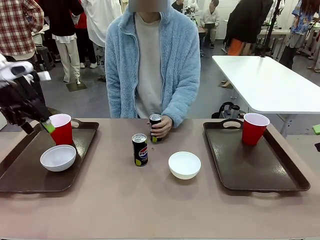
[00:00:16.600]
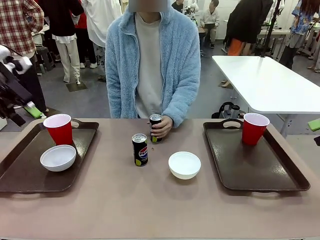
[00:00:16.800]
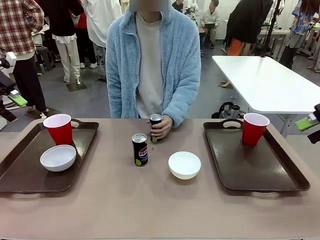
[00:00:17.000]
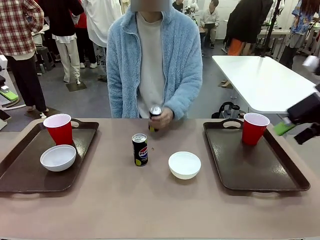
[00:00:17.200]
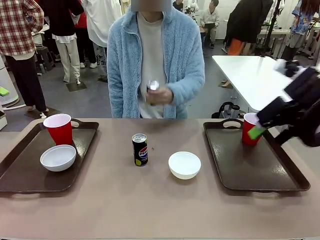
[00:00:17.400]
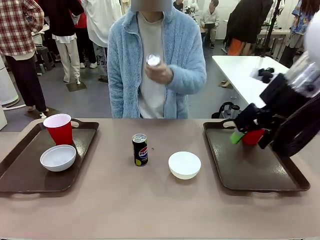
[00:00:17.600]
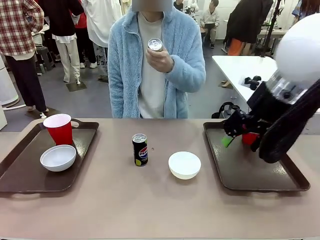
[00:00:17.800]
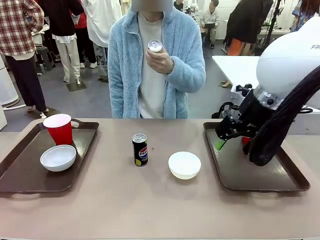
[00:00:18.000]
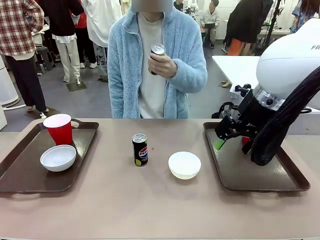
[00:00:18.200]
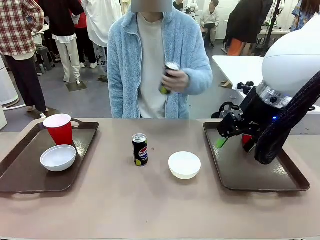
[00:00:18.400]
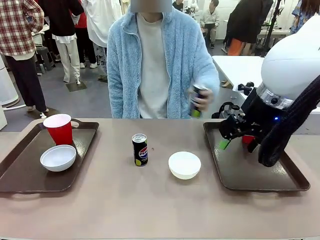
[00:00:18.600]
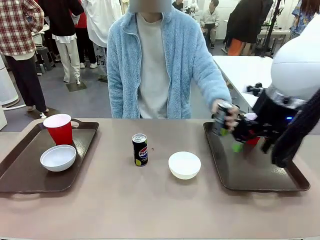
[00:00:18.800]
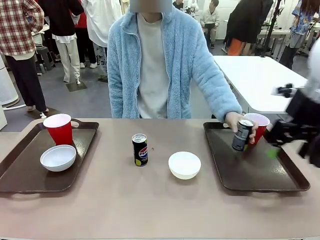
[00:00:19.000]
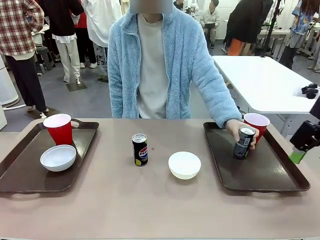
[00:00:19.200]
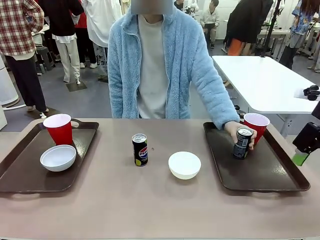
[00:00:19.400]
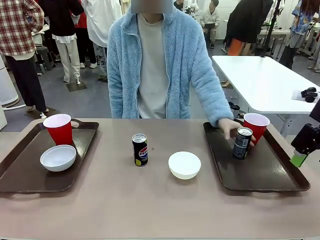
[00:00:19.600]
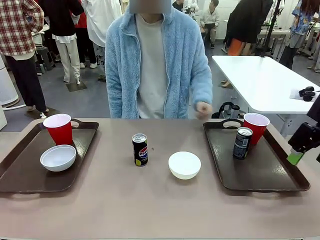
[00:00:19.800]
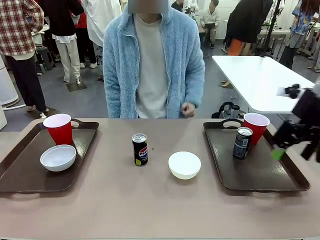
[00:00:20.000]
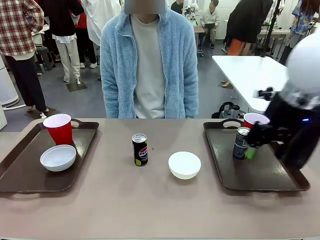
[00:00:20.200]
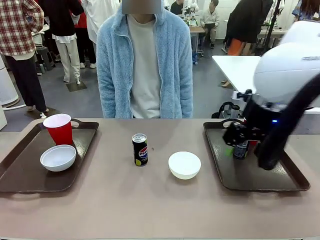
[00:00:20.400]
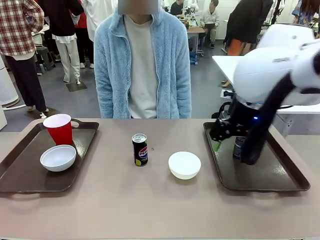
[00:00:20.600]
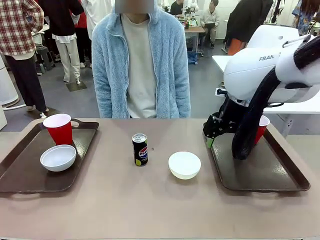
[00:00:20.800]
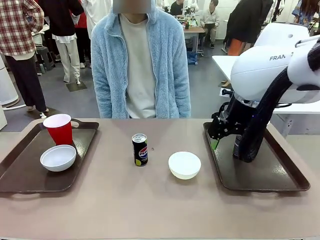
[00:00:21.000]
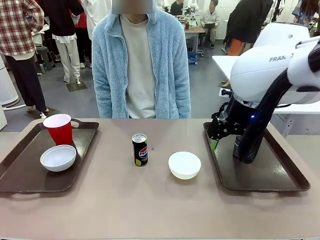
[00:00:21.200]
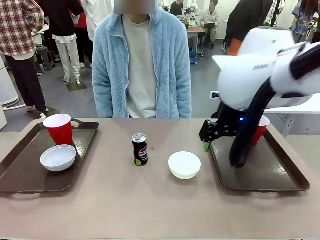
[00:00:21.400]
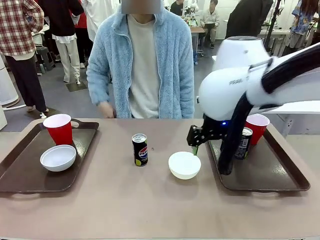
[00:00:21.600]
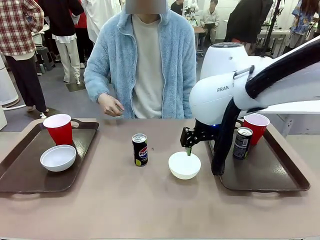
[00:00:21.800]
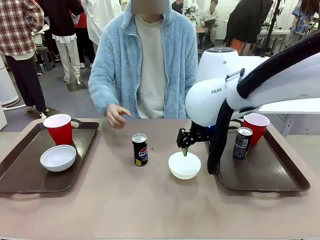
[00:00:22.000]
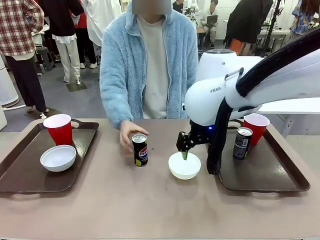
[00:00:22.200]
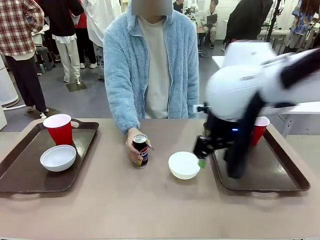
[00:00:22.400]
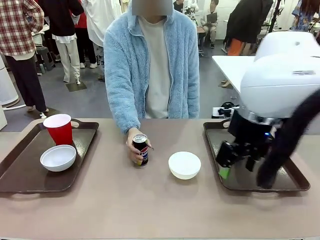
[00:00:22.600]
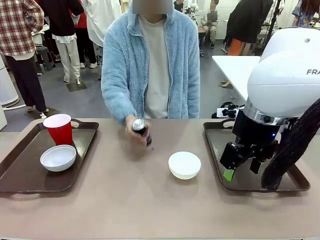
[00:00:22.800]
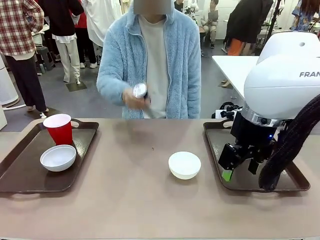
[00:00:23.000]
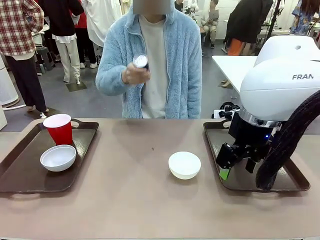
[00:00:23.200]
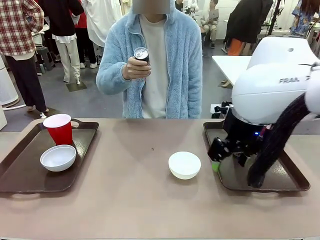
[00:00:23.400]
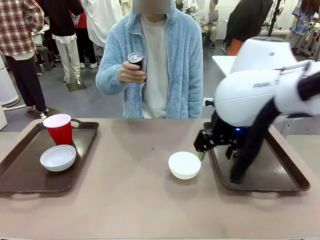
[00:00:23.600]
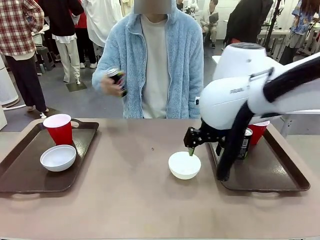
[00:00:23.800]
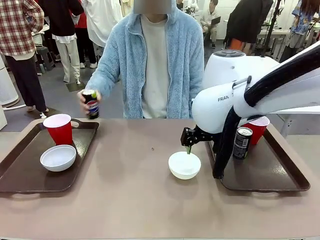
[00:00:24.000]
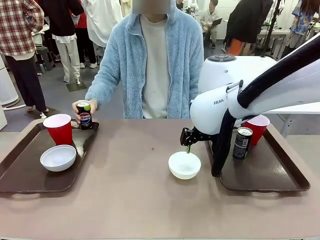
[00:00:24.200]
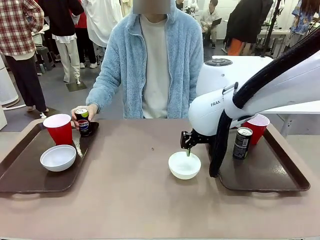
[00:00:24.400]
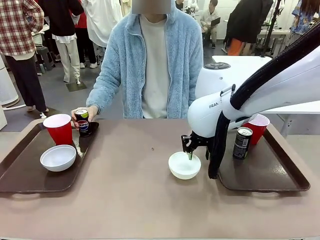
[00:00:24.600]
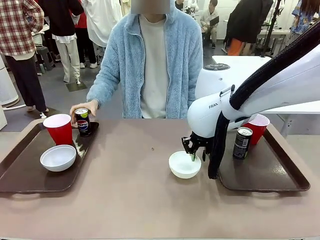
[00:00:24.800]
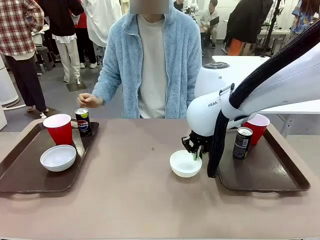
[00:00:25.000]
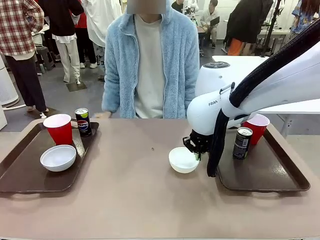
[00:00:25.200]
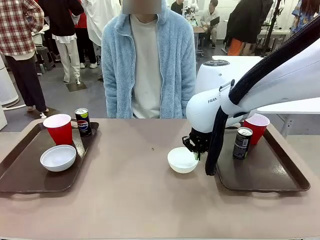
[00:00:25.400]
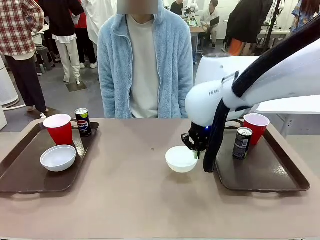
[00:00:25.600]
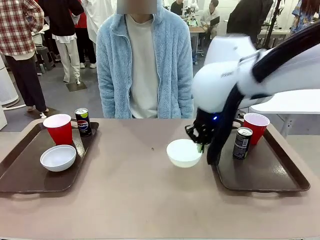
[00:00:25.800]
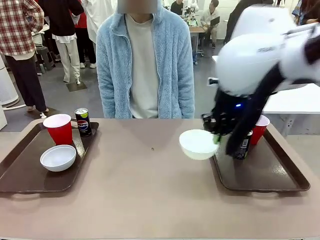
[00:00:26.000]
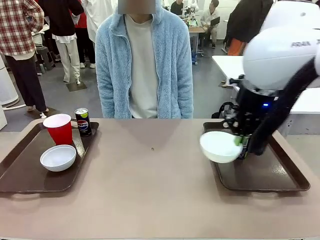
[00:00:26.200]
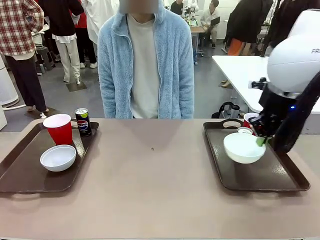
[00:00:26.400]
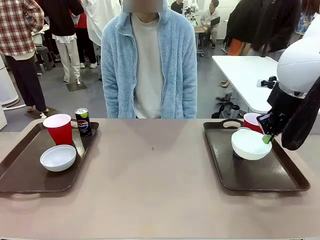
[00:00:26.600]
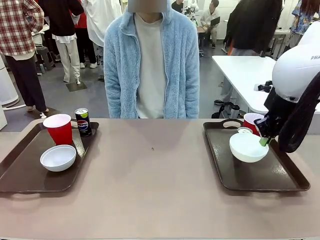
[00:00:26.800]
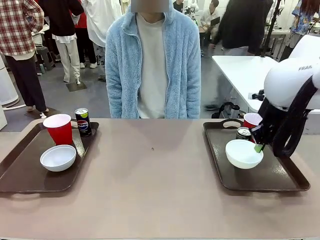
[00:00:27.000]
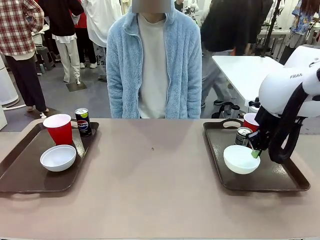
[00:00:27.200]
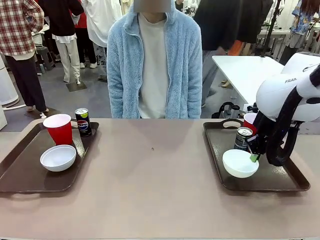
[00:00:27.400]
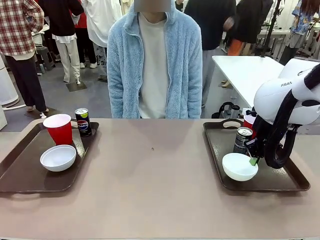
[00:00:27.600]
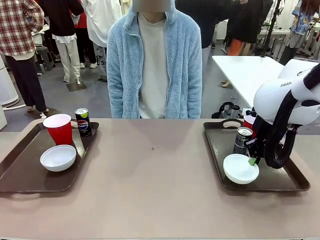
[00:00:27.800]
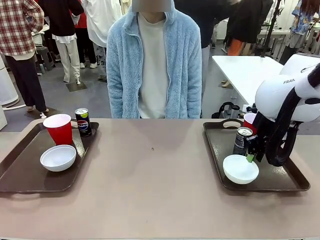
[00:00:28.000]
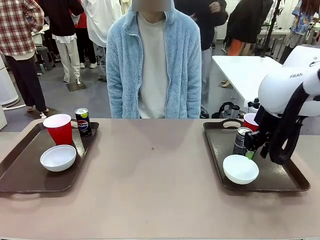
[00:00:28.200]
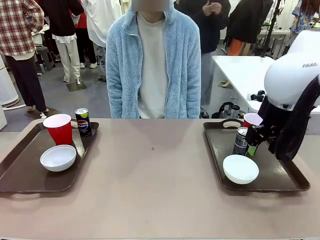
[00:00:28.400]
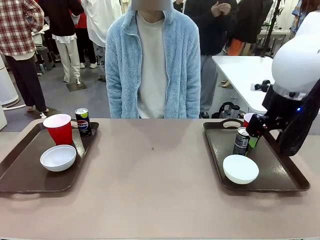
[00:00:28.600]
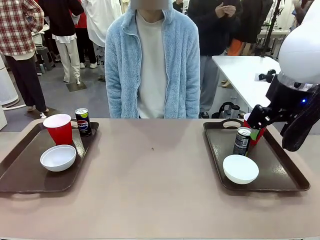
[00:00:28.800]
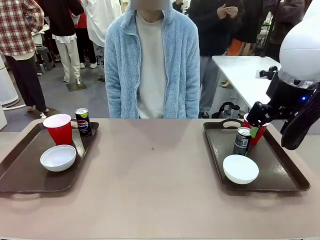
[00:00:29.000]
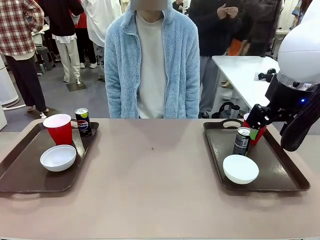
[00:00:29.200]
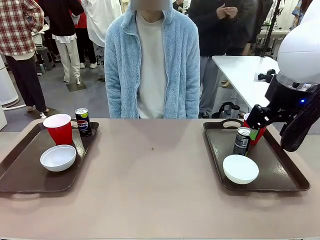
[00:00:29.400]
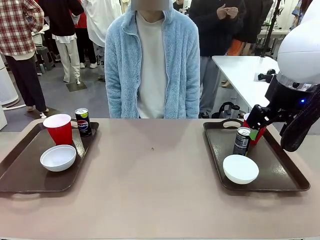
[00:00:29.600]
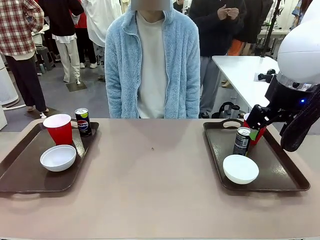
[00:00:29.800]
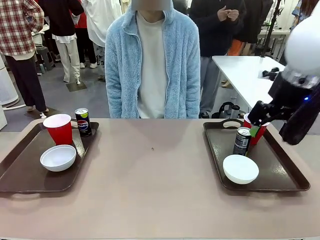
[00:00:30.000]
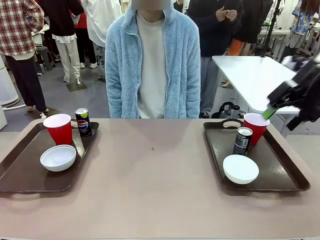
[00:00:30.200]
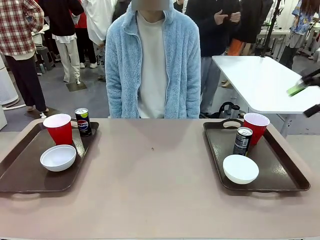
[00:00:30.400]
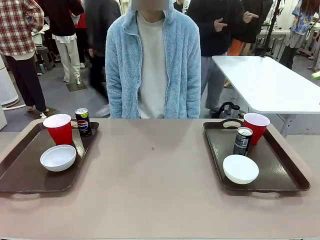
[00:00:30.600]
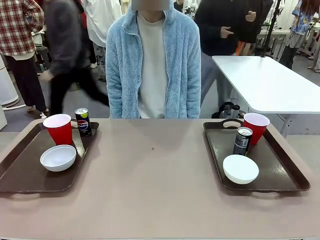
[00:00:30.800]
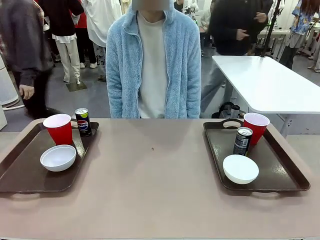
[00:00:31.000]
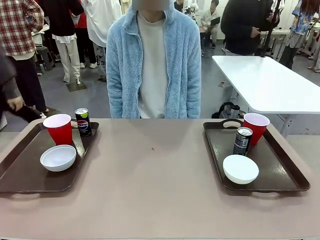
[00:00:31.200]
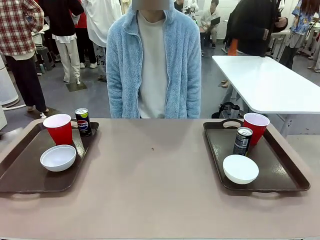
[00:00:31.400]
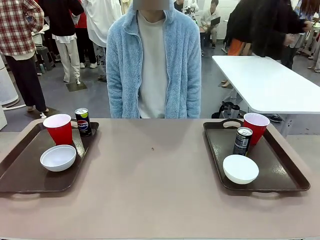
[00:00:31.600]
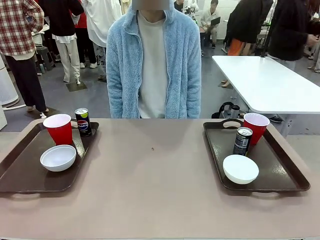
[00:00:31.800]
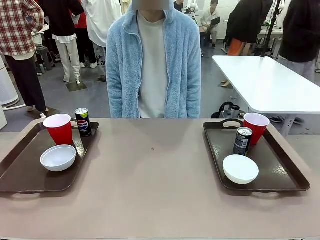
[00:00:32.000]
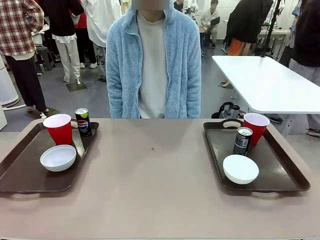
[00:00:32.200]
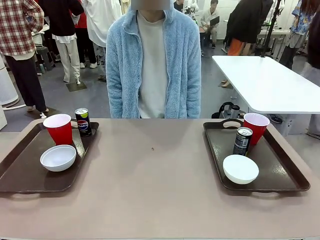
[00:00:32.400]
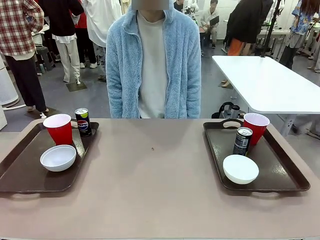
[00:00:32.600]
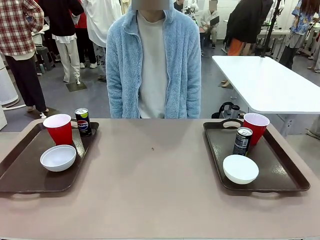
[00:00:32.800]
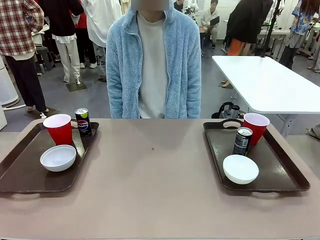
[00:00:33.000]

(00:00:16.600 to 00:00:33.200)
Task: Prepare tableware on both trays.
Robot: Pick up a Picnic Bowl from the table and place it on a Handle tray.
Person: Pick up a can or cup and place it on the tray without a can or cup.
